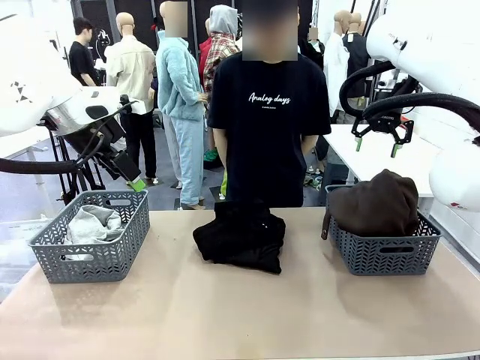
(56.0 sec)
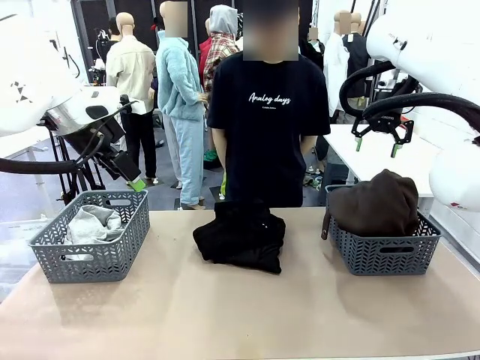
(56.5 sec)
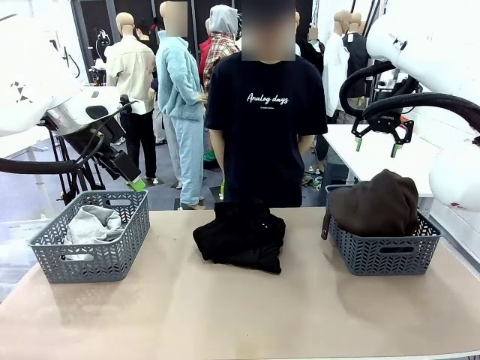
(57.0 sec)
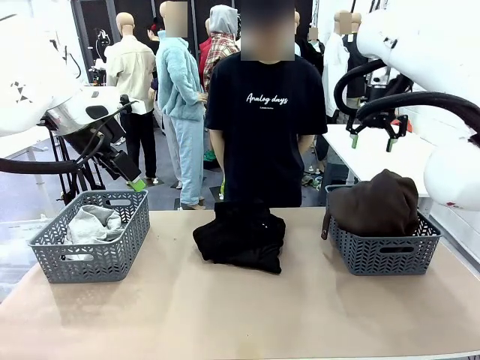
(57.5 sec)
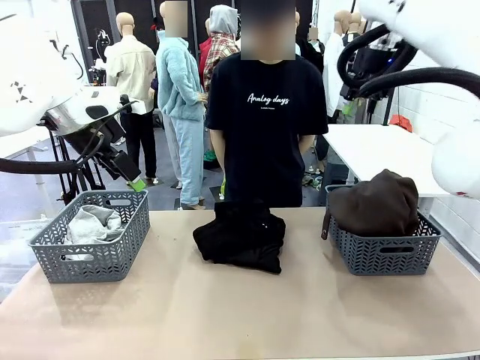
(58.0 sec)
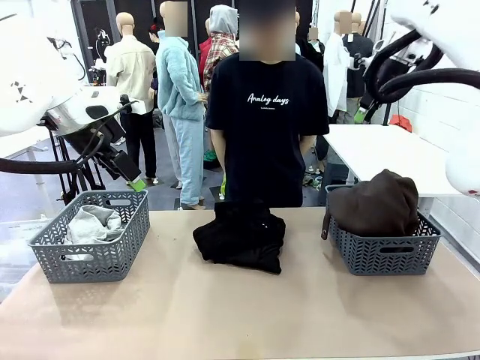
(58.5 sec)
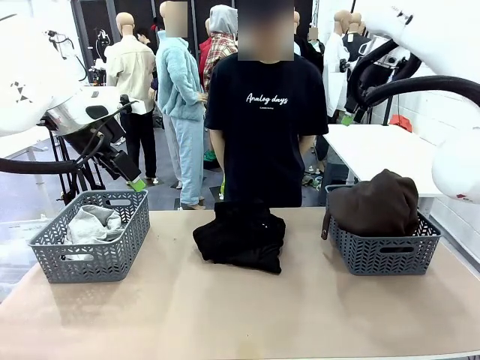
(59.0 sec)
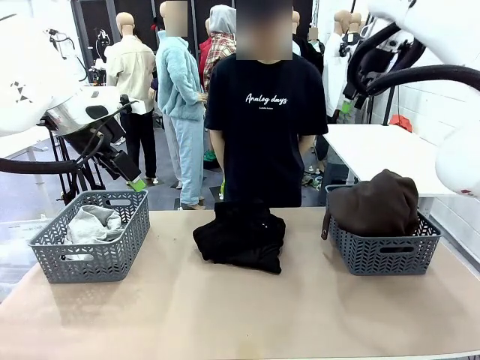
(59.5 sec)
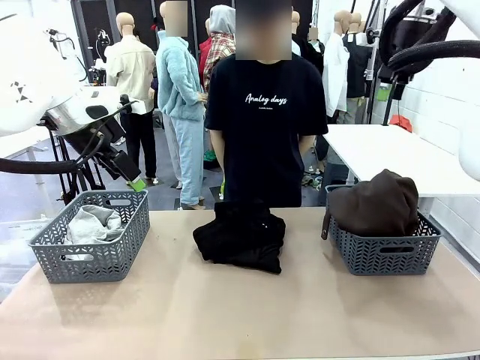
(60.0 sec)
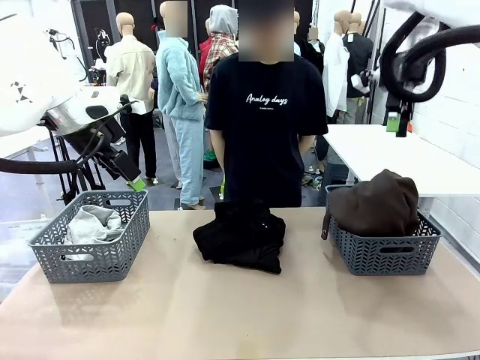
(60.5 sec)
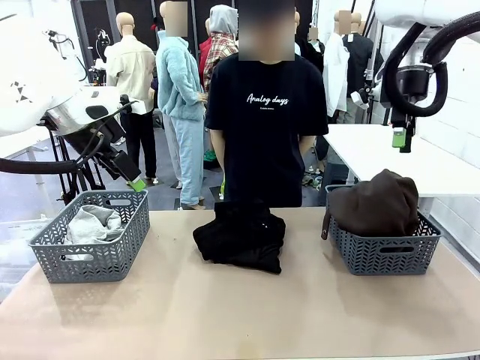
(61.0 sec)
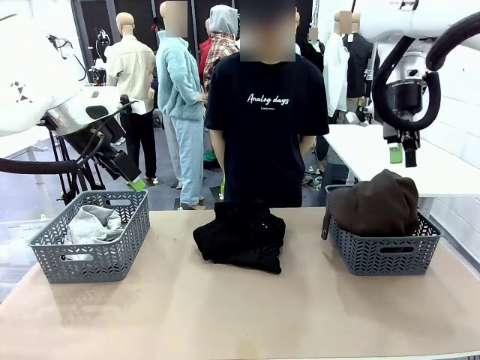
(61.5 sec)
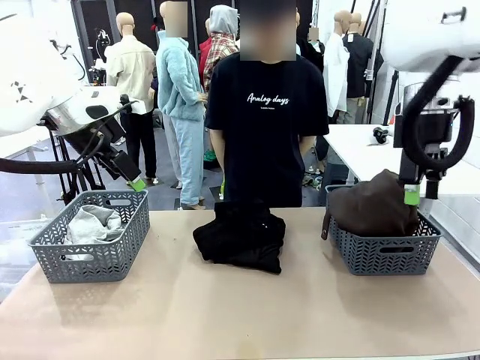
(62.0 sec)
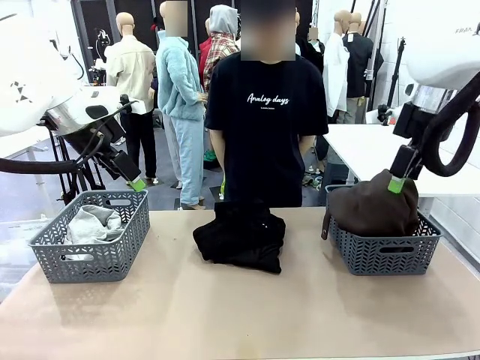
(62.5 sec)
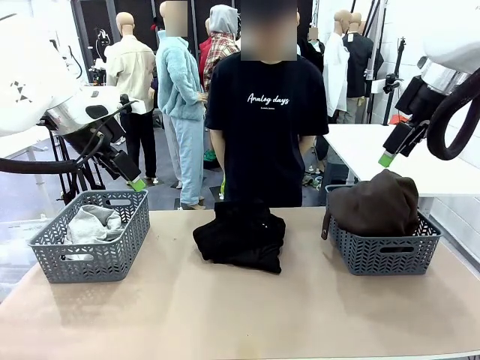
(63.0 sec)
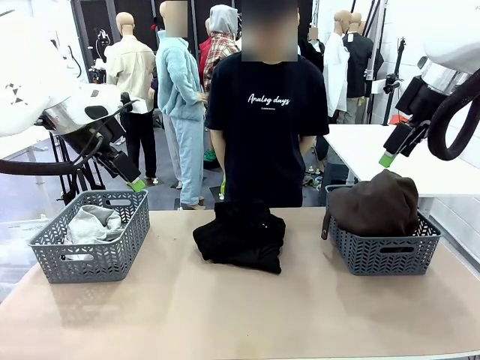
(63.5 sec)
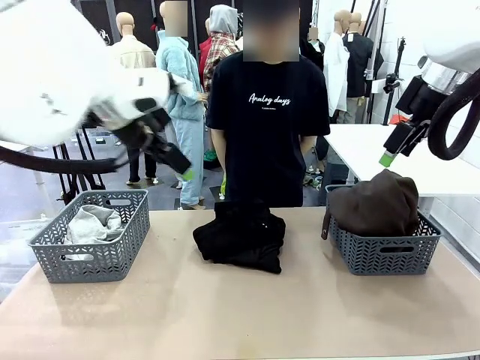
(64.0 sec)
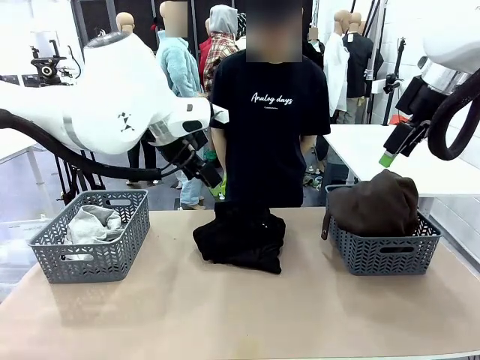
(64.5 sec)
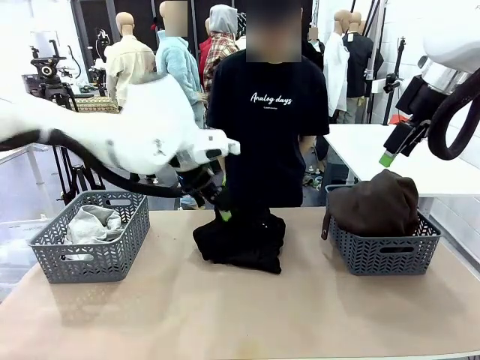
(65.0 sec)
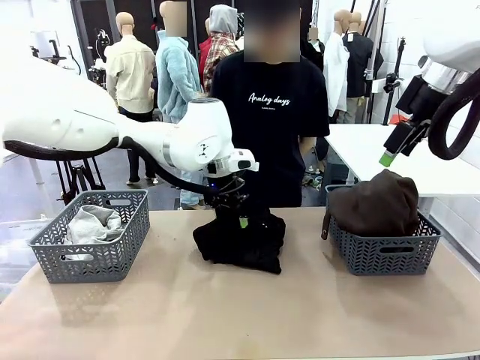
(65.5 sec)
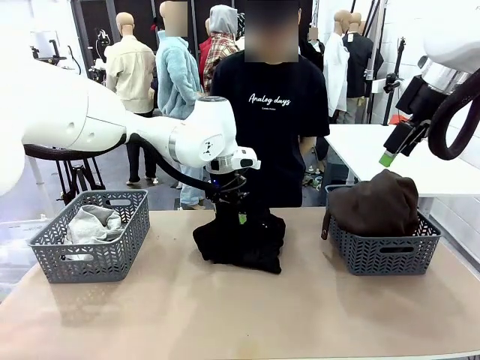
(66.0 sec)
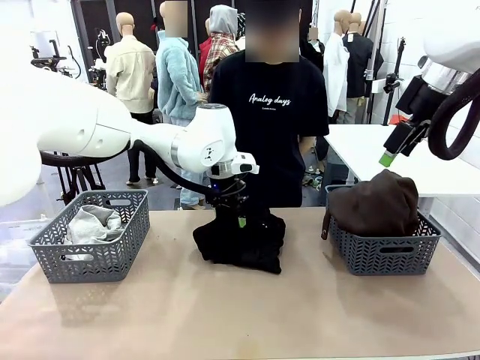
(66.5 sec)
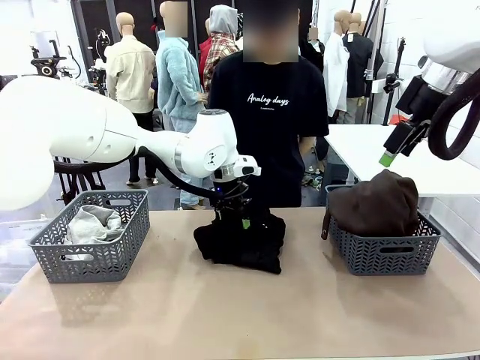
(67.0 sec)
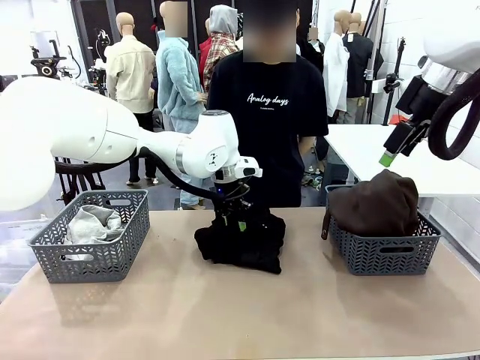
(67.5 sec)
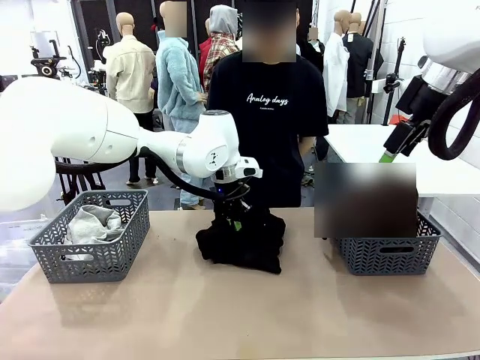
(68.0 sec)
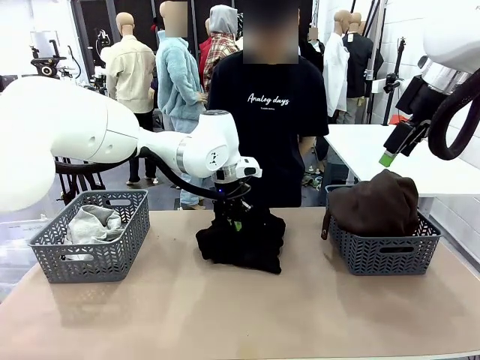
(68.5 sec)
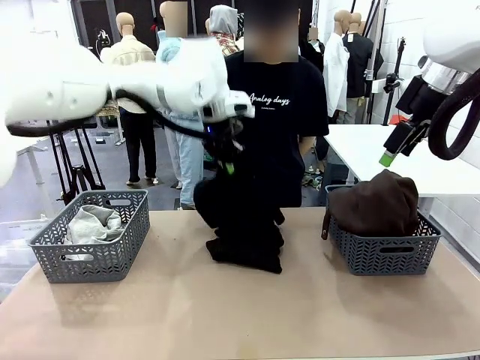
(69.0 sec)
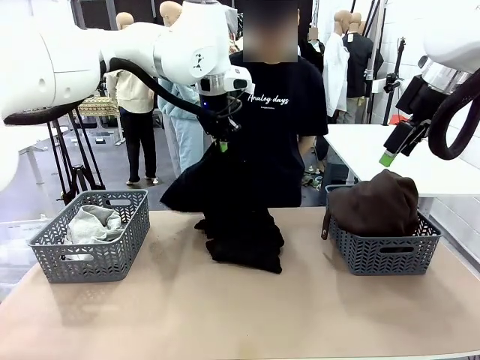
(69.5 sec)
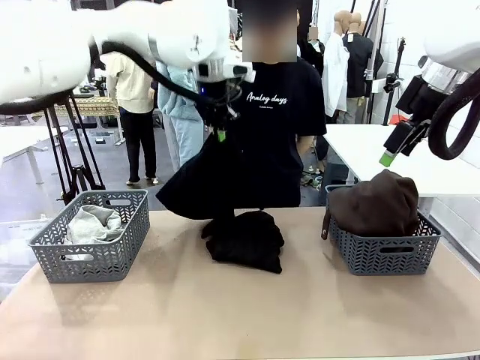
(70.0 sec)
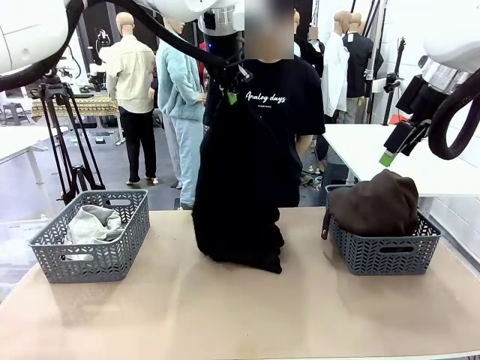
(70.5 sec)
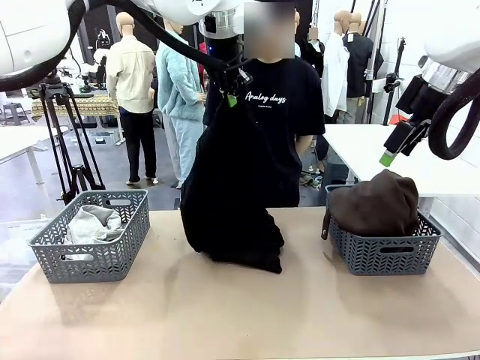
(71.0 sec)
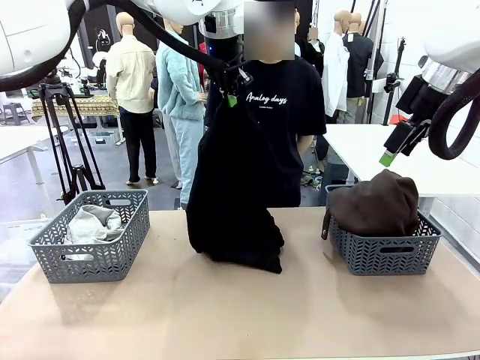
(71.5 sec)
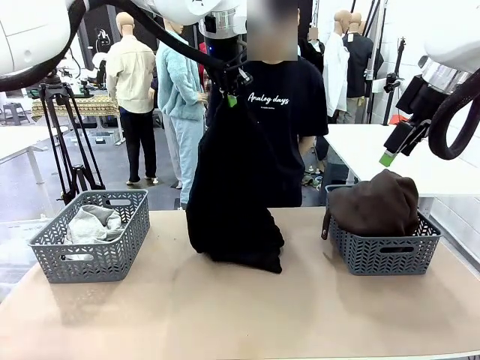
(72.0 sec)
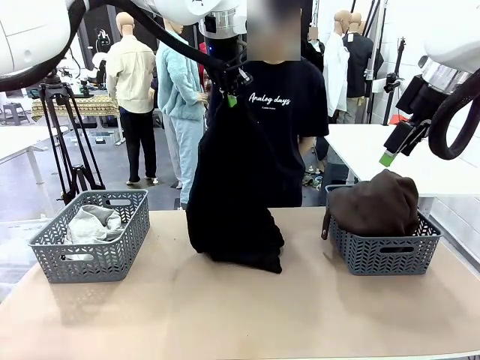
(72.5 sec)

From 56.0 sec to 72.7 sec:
Task: Sort the tops and bottoms.
Robot: Lift clothes from the center of the table with your left hand.

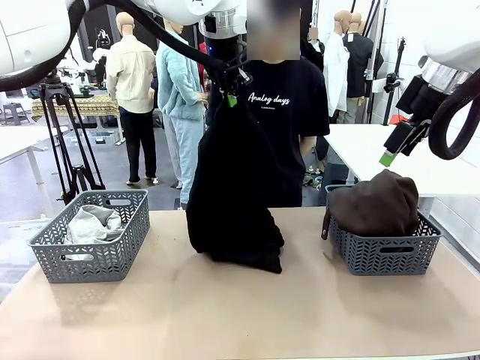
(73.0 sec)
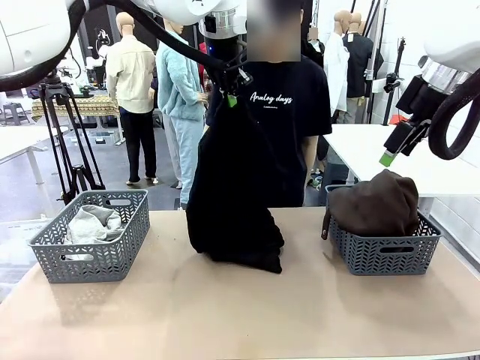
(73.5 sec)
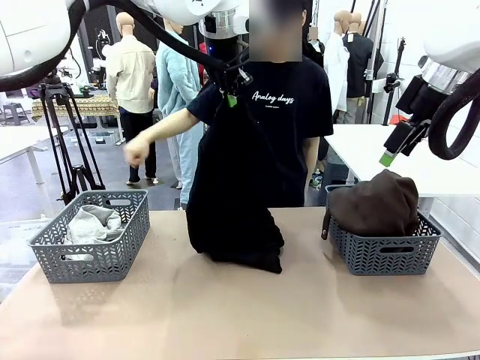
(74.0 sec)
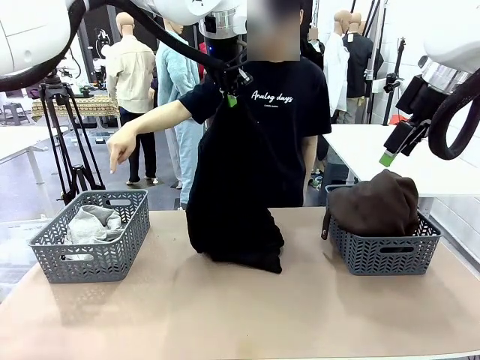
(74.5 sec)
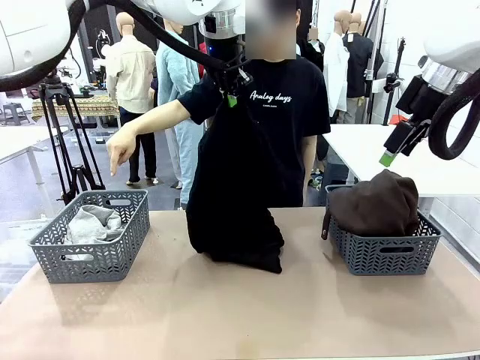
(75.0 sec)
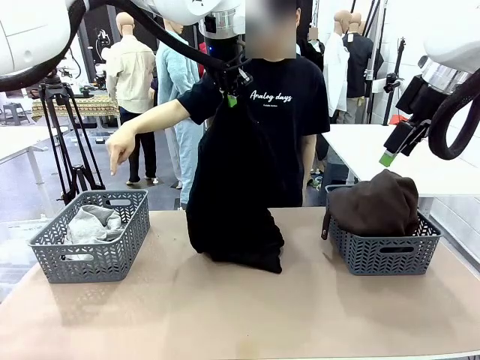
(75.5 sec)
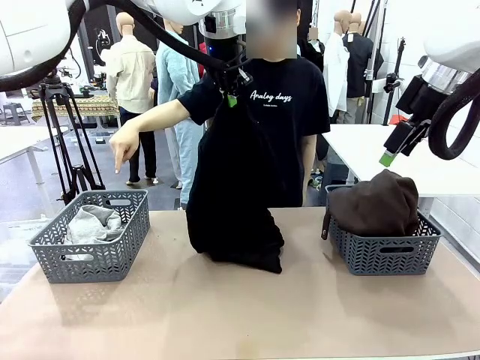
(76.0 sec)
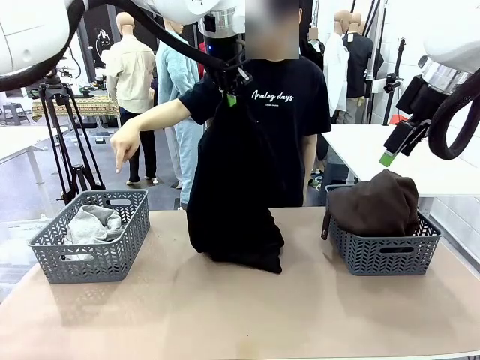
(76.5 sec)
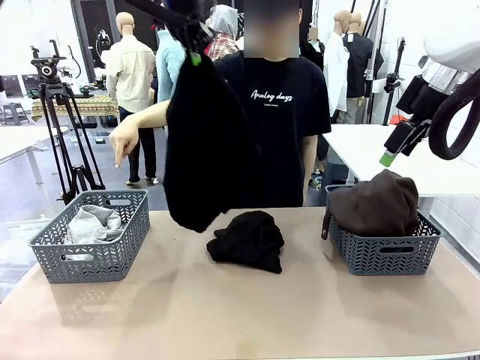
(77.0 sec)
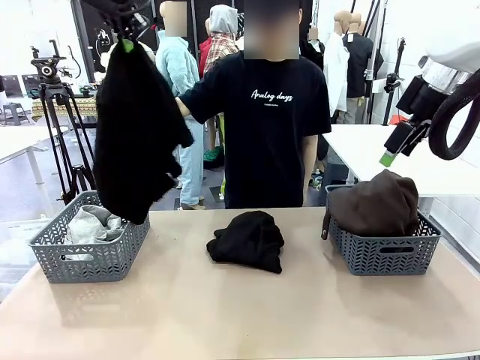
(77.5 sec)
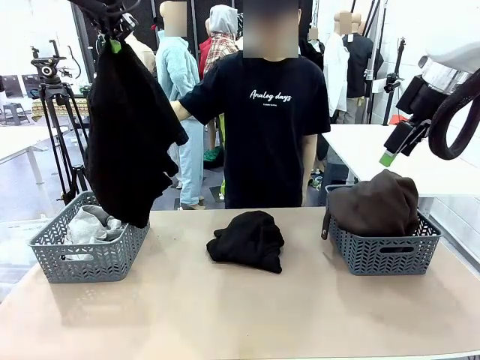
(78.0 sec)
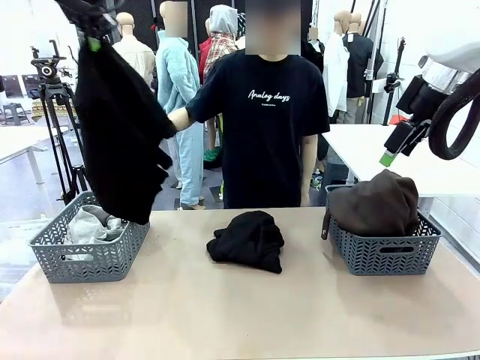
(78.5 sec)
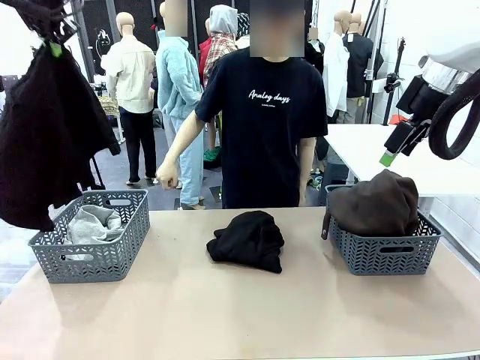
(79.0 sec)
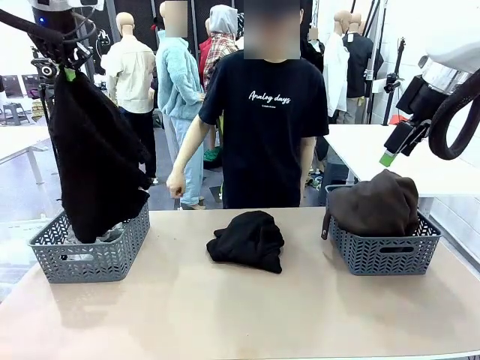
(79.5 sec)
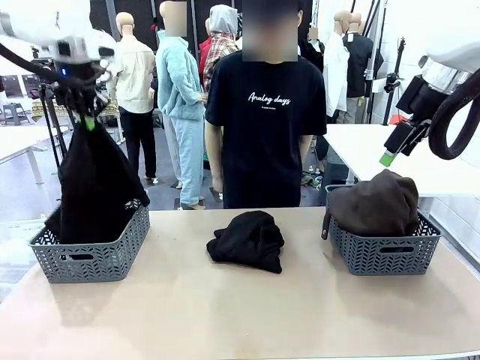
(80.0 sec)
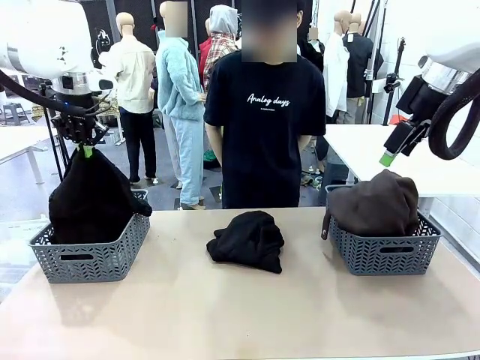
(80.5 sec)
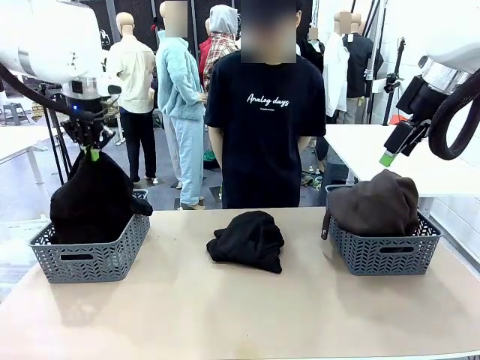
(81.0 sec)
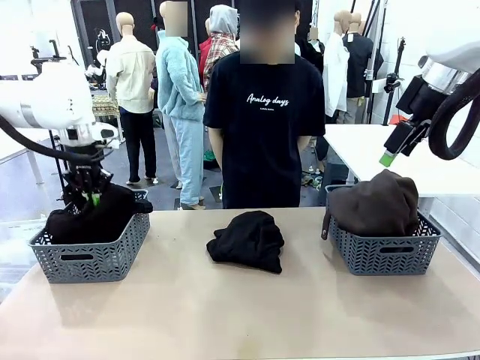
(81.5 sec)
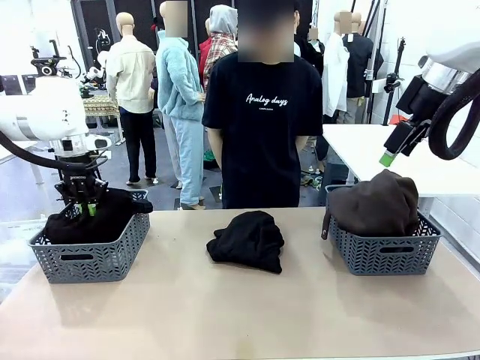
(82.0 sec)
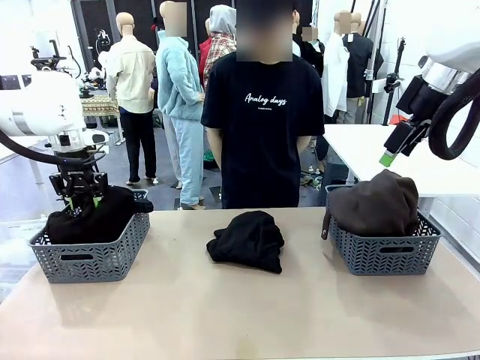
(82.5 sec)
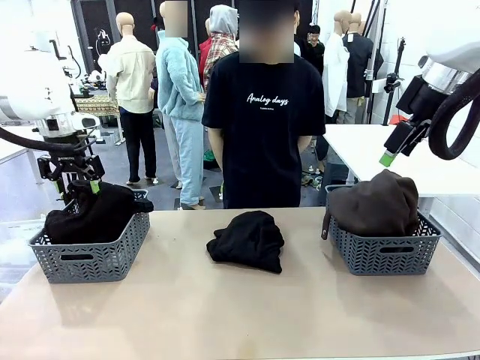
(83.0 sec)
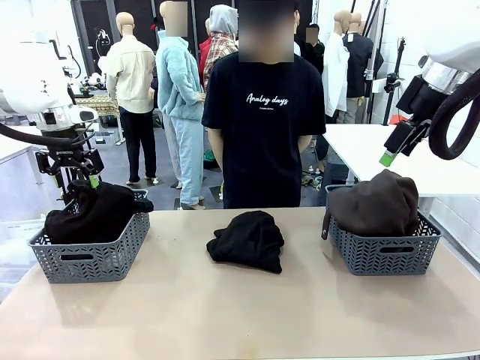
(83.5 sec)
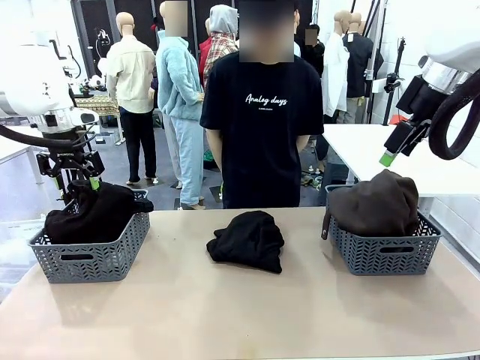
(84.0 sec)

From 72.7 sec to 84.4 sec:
Robot: Sort the clothes according to human instructions.
